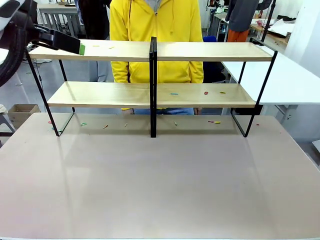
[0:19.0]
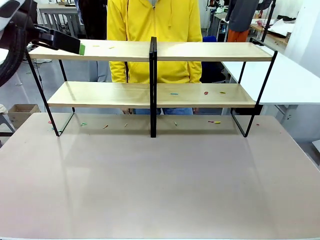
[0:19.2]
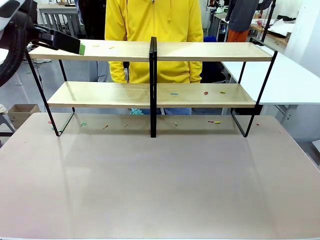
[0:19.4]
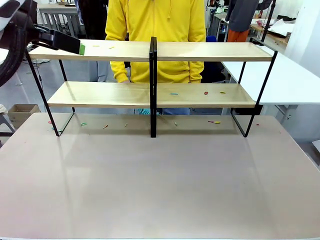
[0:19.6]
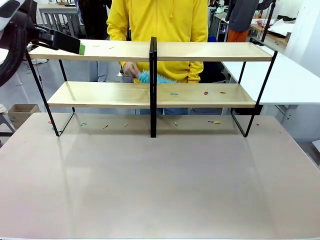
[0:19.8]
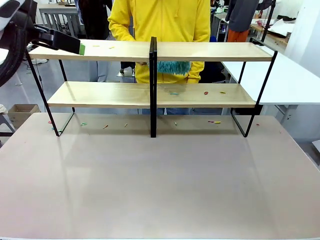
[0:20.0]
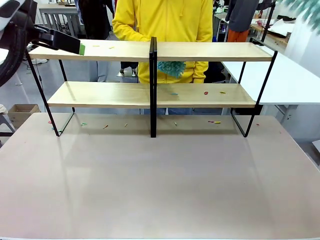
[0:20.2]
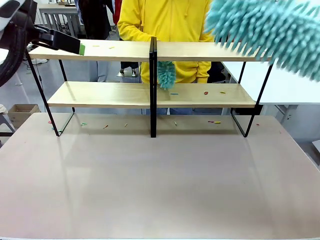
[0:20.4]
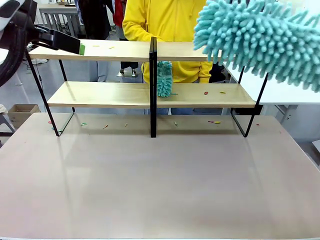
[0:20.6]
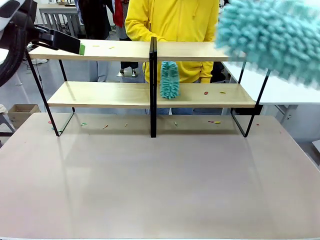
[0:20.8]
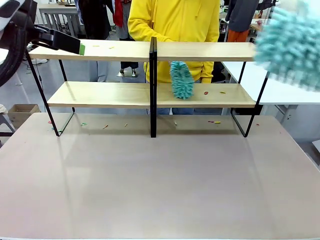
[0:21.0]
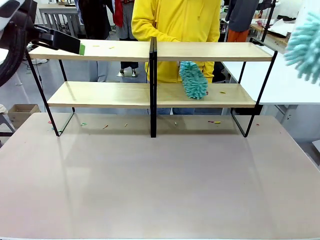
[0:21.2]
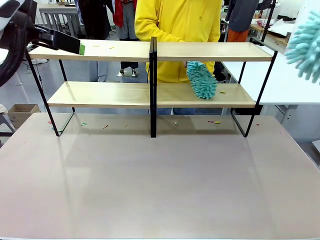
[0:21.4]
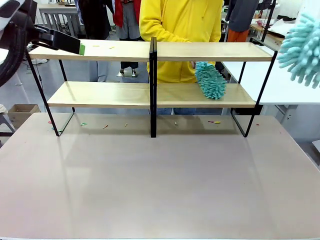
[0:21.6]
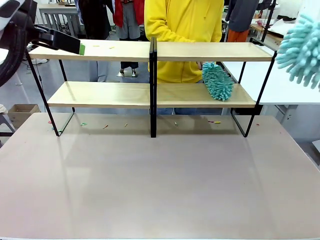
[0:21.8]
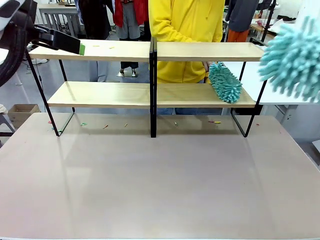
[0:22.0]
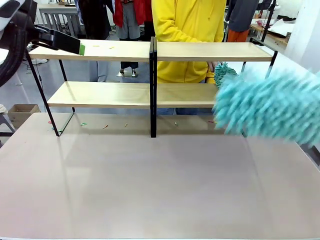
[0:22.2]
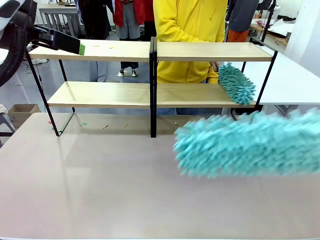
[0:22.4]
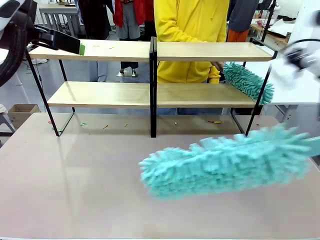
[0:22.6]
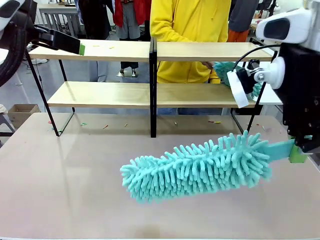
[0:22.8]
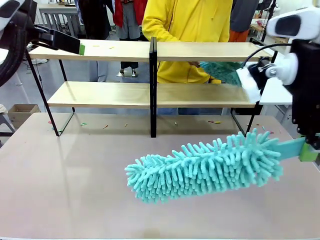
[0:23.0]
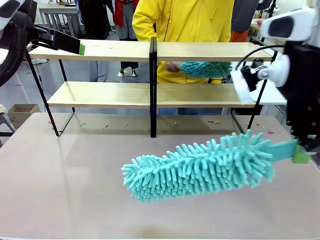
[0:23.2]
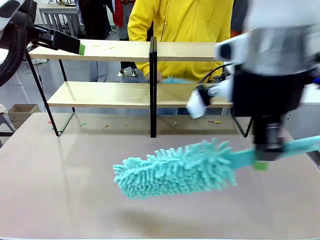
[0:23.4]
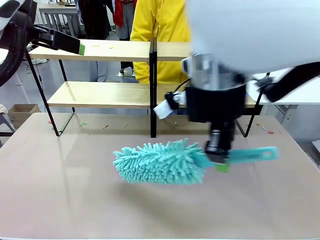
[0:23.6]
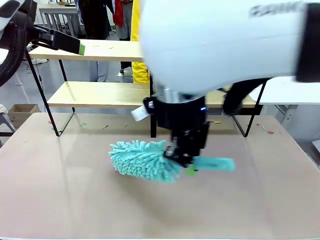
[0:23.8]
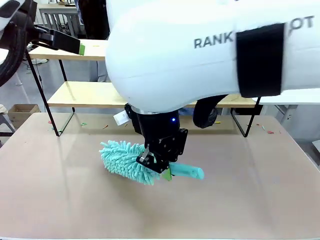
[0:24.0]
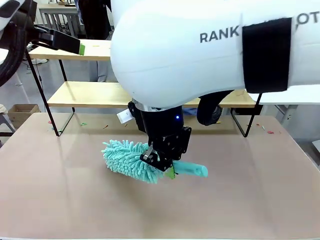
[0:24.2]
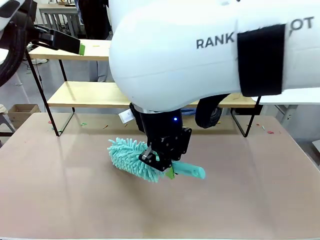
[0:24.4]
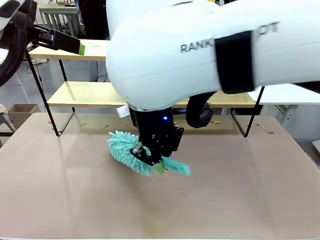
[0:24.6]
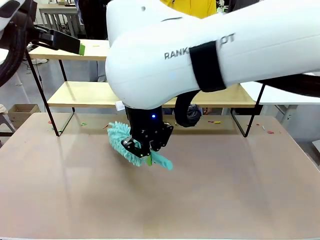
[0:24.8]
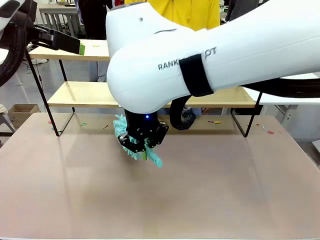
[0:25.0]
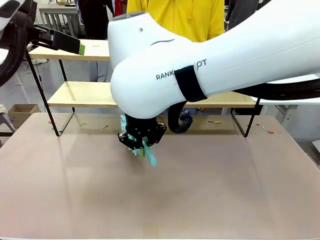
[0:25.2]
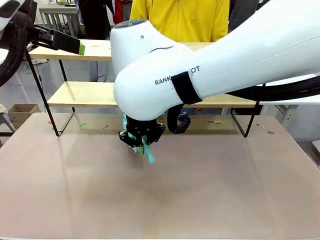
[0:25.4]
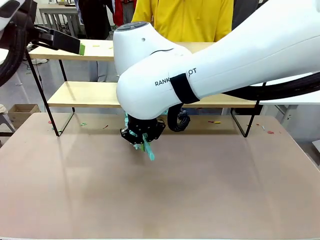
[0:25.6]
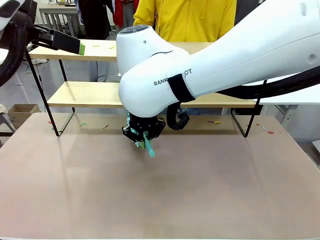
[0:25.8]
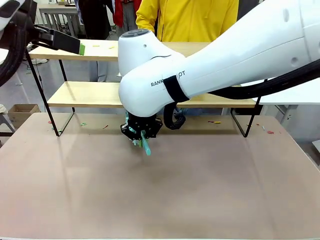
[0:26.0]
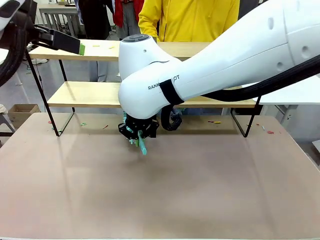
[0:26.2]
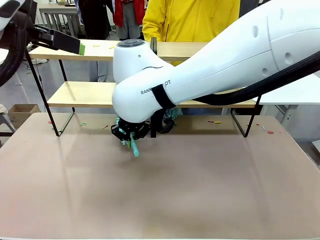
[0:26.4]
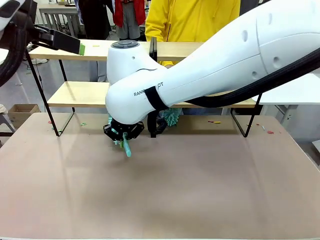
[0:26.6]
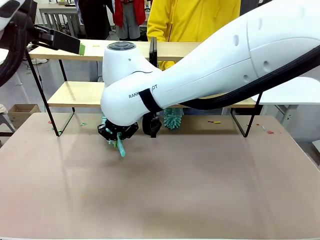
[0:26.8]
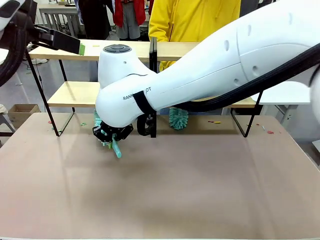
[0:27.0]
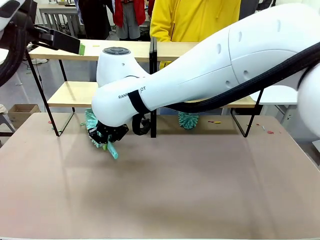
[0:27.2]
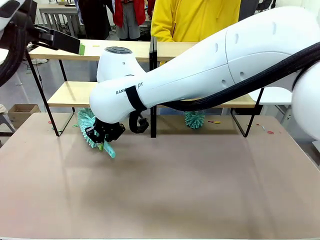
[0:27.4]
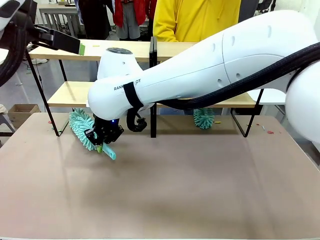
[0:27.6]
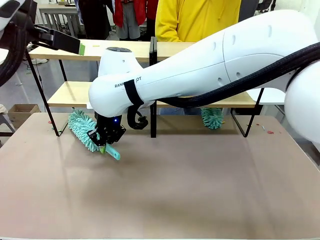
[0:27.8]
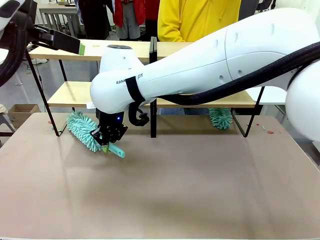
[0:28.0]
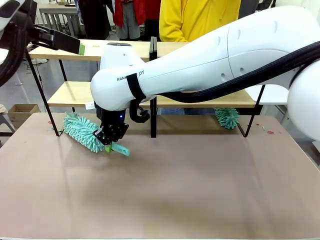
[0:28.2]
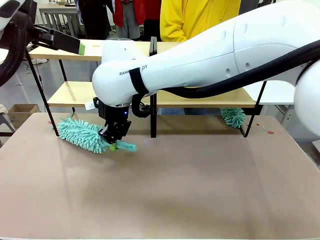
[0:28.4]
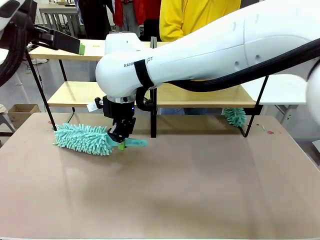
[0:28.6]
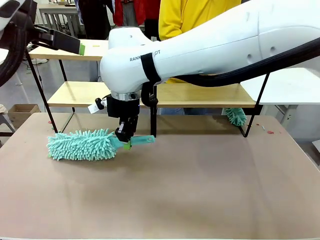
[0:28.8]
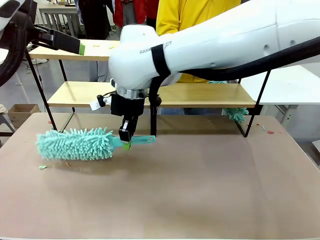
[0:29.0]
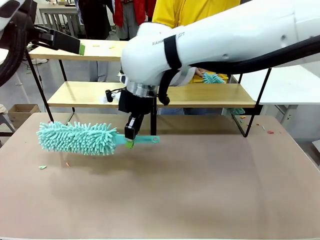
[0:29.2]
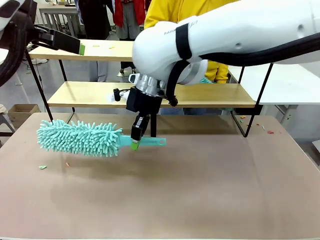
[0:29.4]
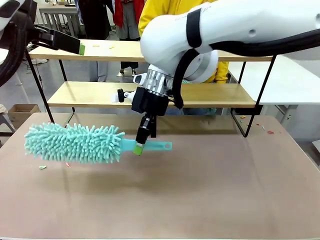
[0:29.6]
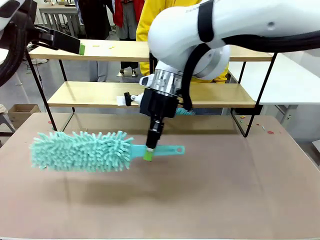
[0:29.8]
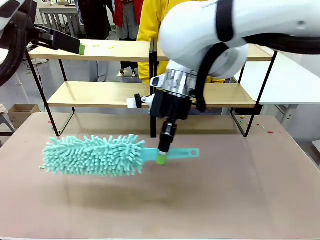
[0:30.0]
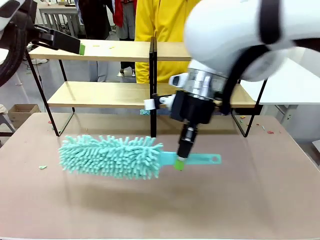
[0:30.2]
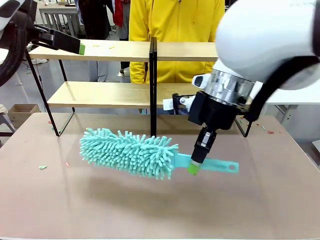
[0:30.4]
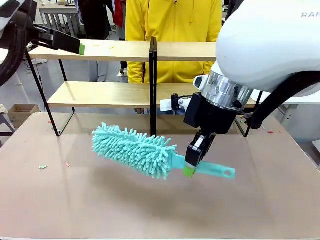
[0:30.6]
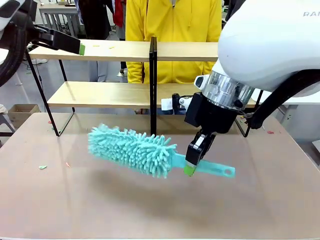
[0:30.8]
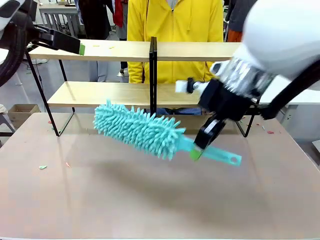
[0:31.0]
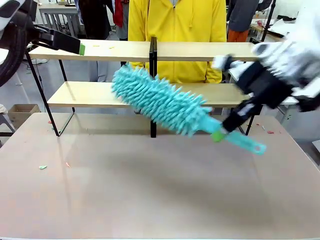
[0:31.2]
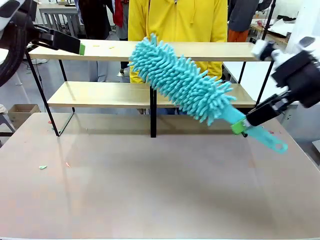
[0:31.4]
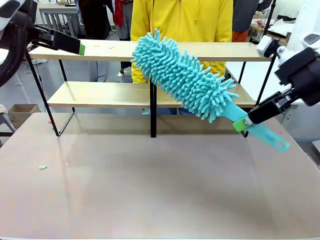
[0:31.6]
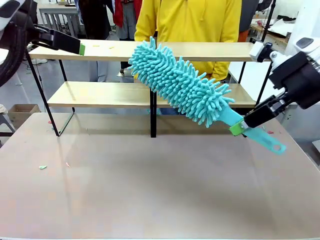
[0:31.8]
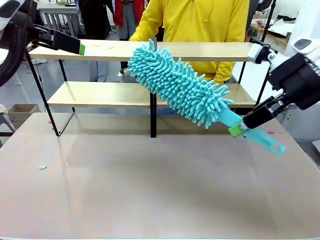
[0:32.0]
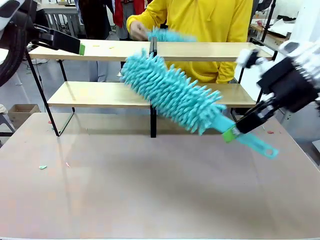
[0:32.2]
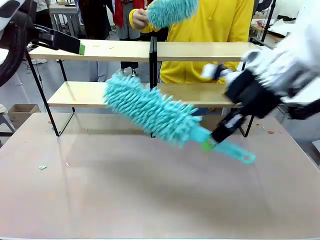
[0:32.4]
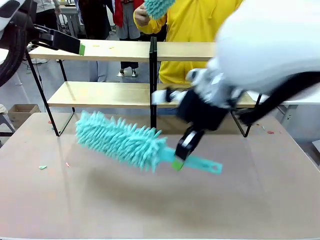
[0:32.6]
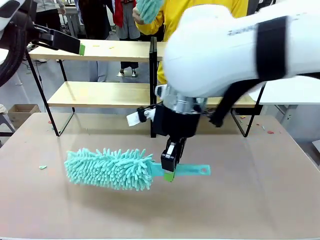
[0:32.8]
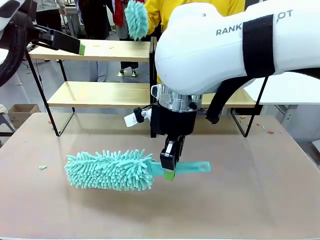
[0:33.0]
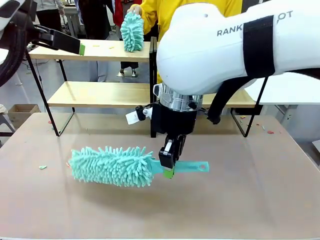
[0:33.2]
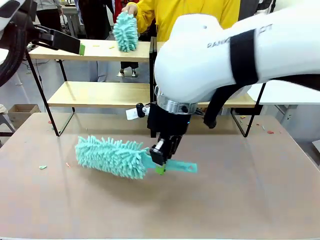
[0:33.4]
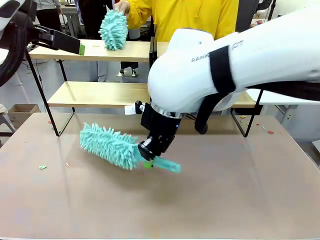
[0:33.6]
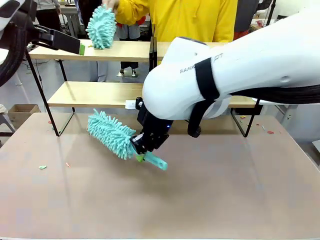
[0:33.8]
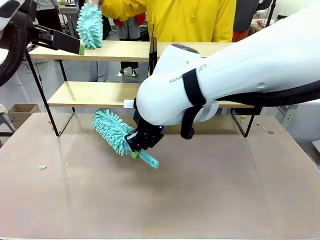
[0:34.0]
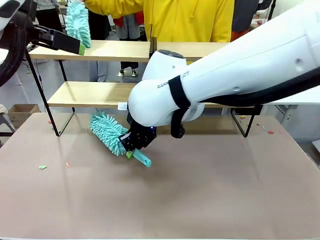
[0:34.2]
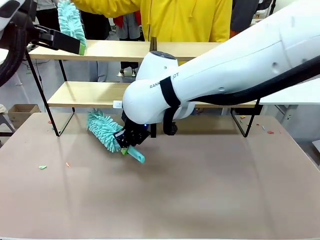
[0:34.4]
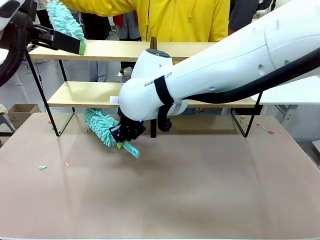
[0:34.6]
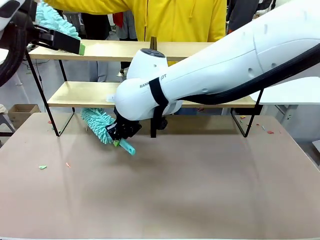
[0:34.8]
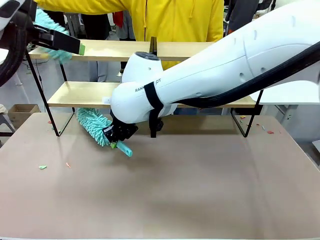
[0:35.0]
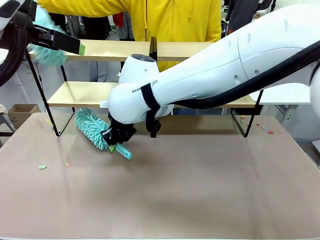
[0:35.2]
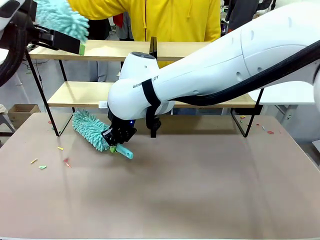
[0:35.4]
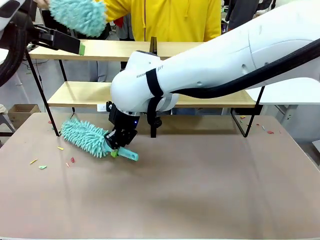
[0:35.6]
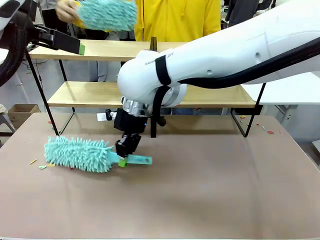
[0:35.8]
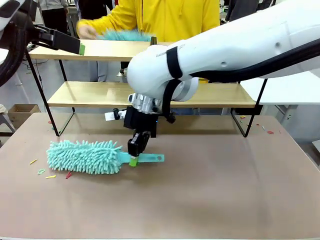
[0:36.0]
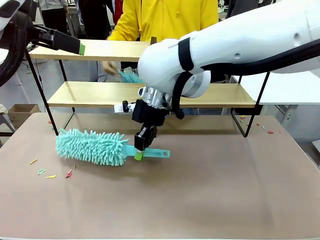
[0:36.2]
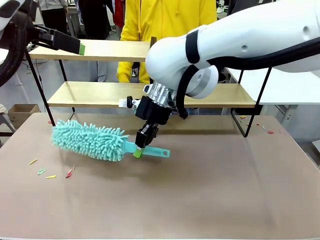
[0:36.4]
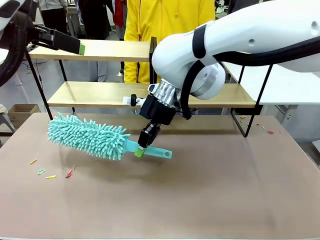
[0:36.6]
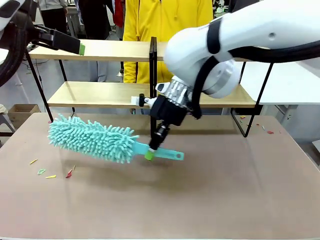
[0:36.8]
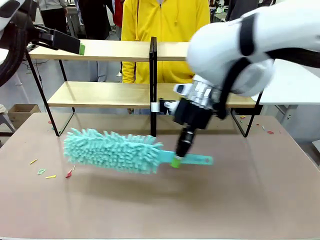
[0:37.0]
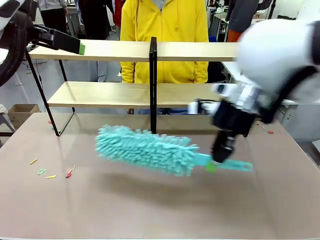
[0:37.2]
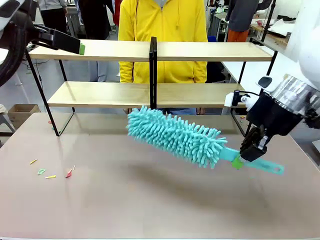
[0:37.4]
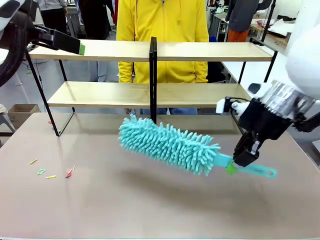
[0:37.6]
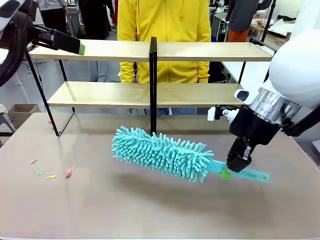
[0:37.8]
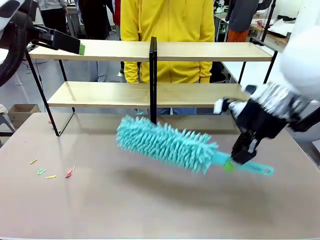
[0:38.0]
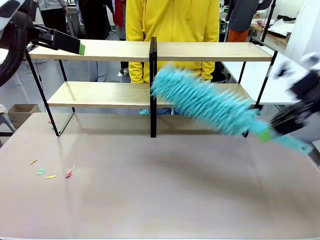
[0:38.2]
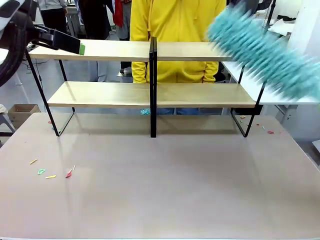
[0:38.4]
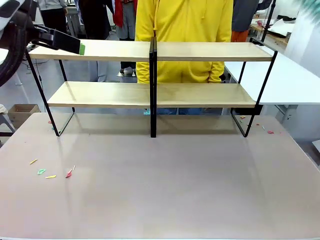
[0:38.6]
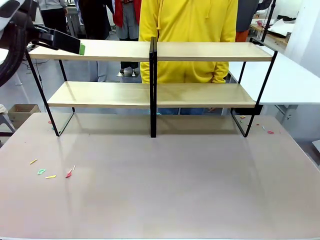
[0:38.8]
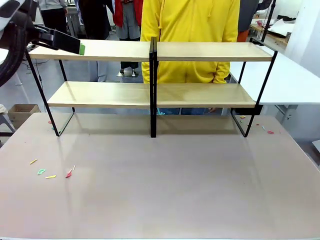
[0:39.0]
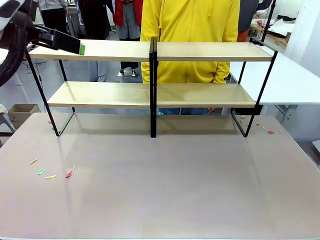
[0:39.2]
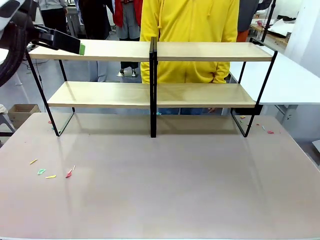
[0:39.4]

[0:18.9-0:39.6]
Task: Clean the shelves.
Robot: Clean another randomly selected level of the Shelf with the Duster.
Person: Clean a randomly selected level of the Shelf with the Duster.

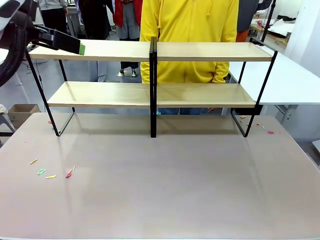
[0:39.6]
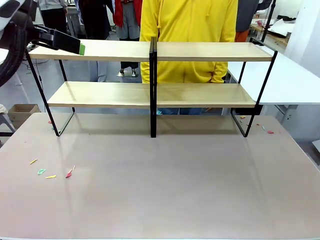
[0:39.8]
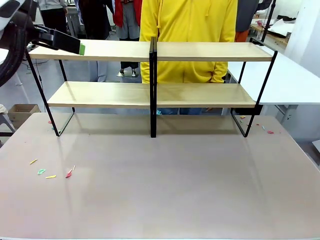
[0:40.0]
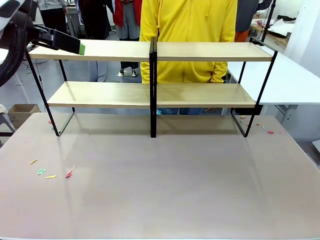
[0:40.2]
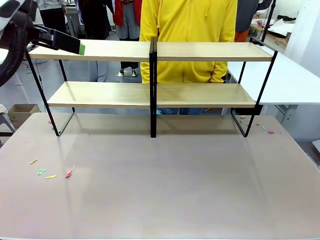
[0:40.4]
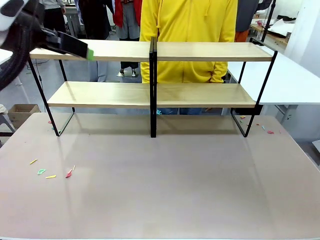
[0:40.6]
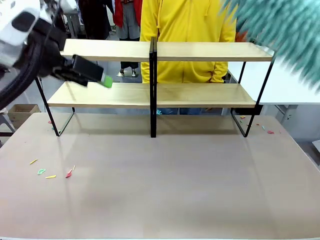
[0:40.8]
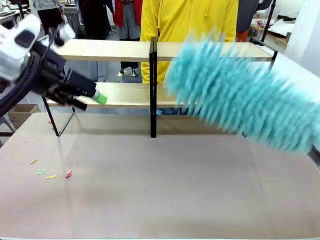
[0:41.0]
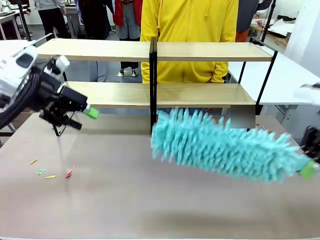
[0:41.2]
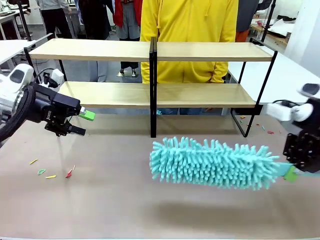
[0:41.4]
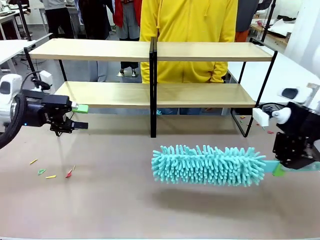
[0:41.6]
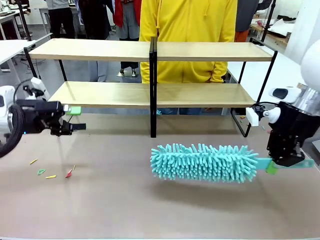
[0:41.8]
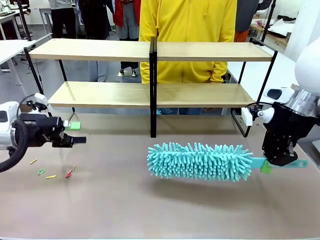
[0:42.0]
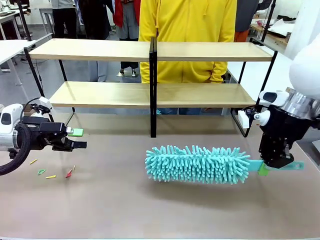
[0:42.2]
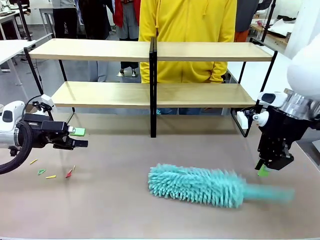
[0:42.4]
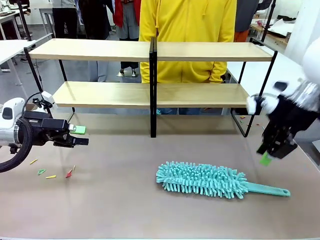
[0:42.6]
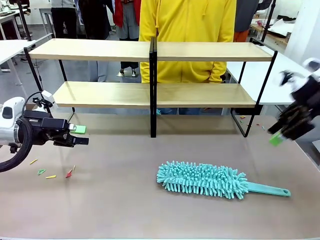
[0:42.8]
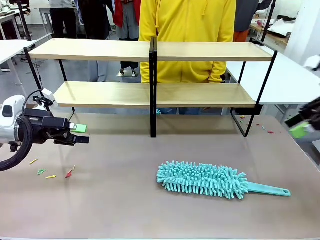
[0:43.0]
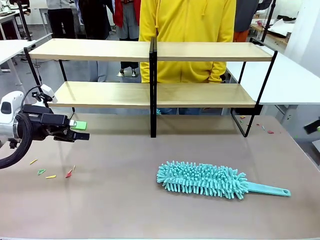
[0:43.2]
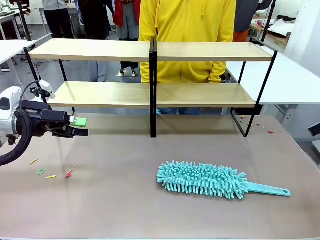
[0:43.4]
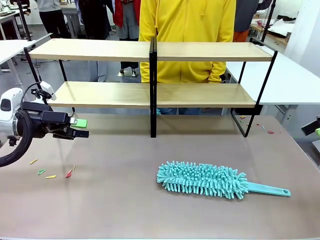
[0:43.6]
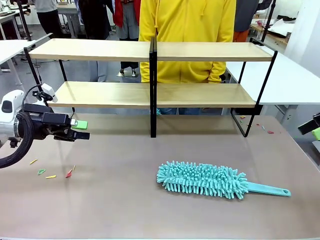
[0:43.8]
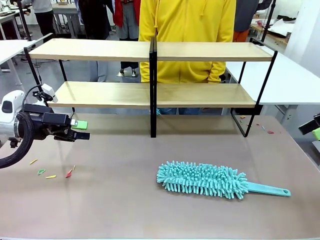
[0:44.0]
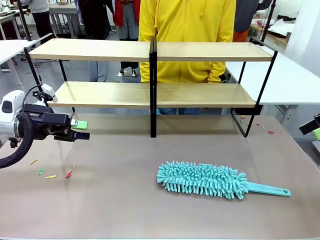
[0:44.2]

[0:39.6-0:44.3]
Robot: Place the Duster on the table.
